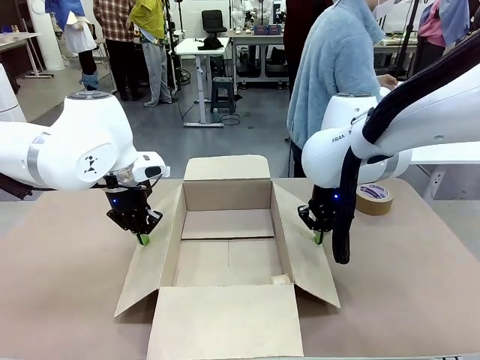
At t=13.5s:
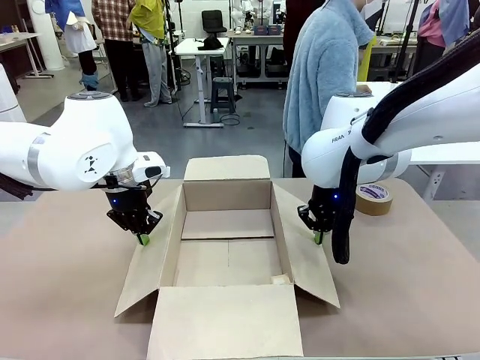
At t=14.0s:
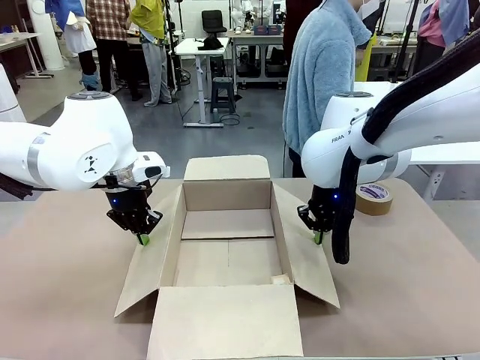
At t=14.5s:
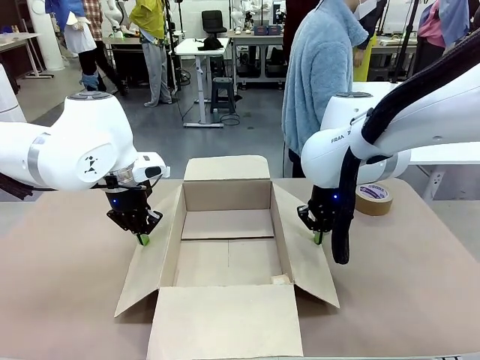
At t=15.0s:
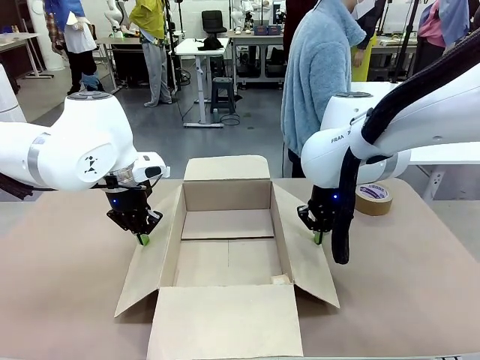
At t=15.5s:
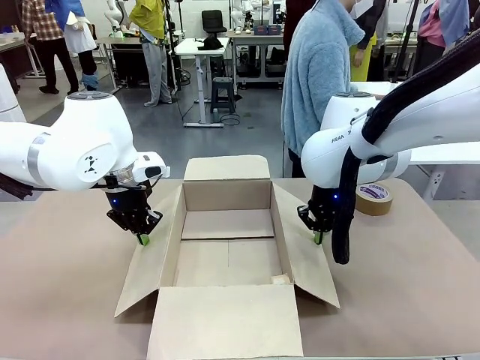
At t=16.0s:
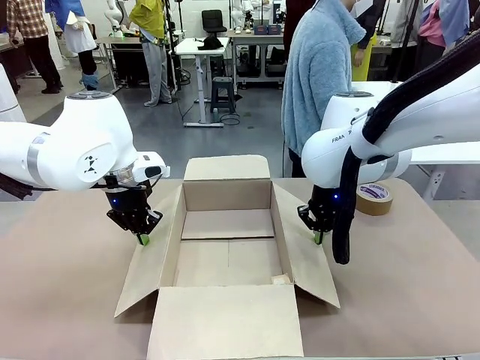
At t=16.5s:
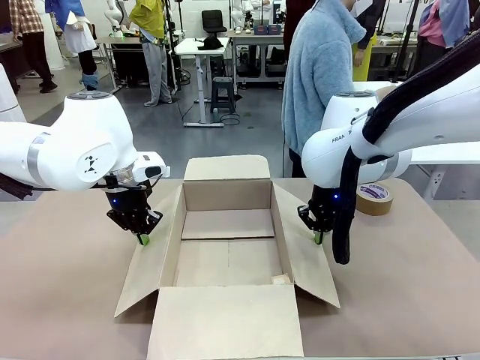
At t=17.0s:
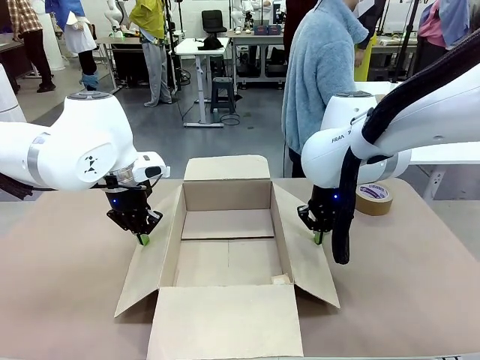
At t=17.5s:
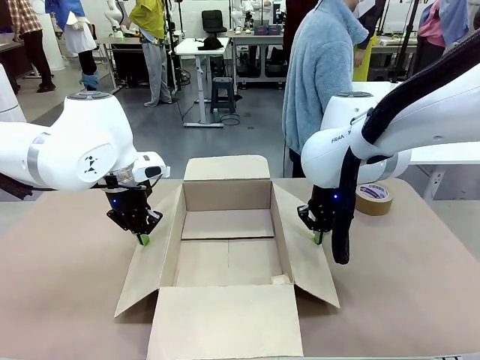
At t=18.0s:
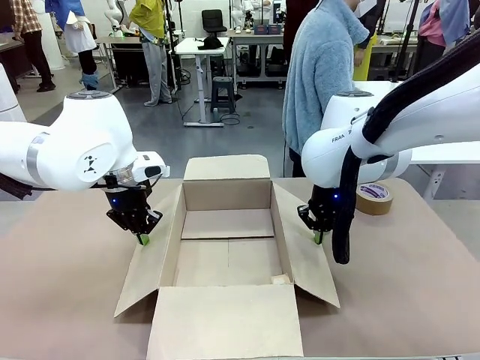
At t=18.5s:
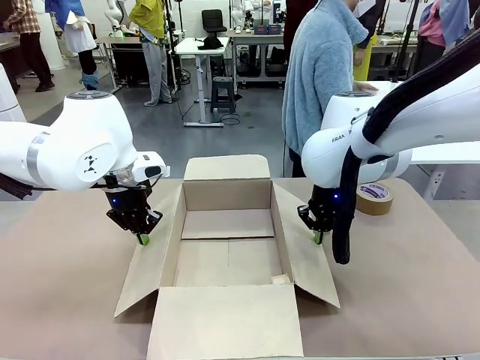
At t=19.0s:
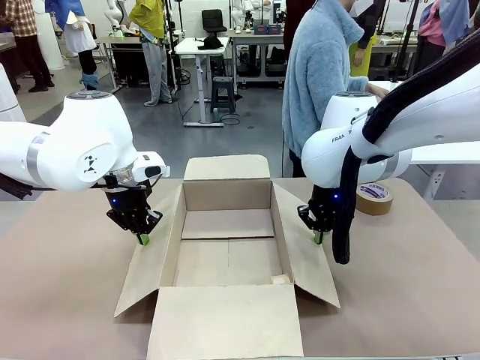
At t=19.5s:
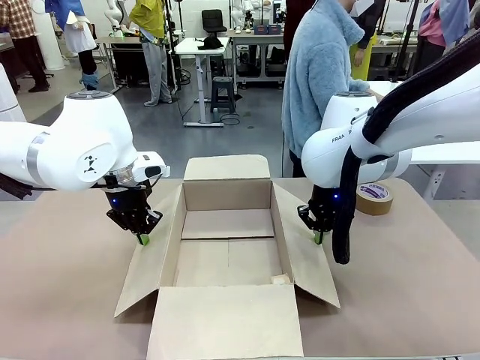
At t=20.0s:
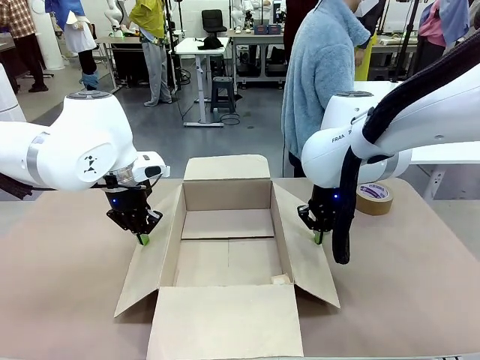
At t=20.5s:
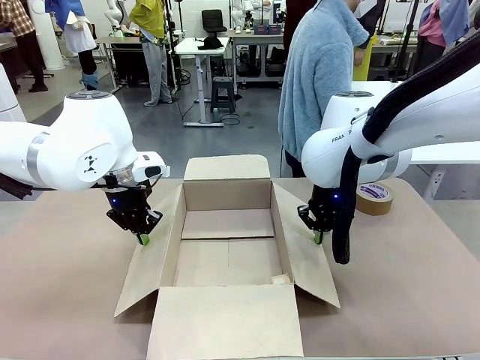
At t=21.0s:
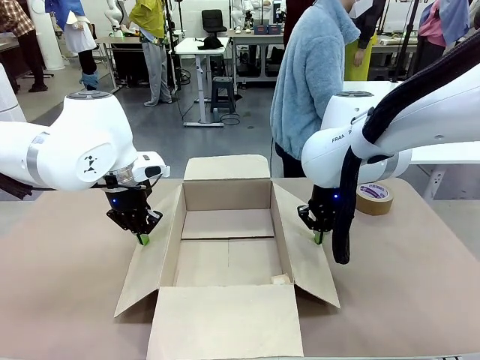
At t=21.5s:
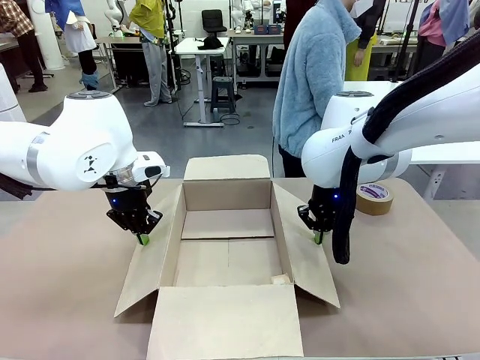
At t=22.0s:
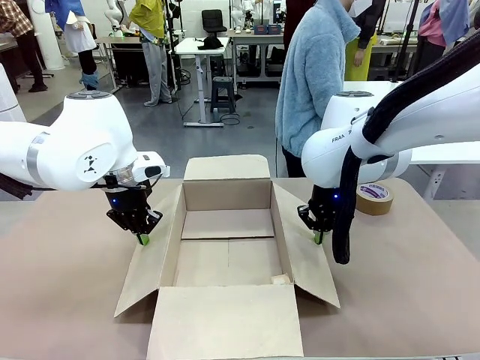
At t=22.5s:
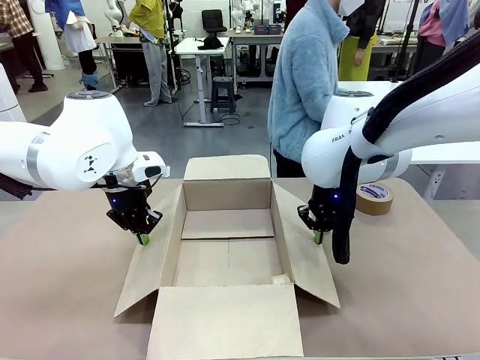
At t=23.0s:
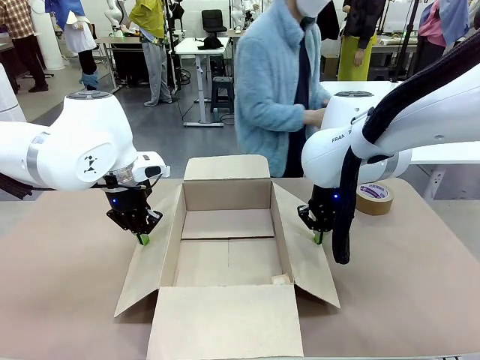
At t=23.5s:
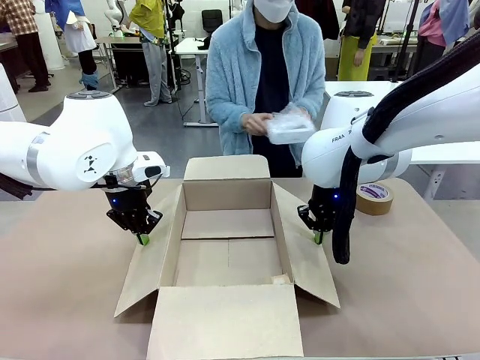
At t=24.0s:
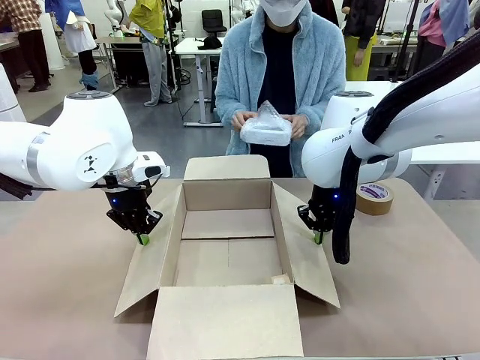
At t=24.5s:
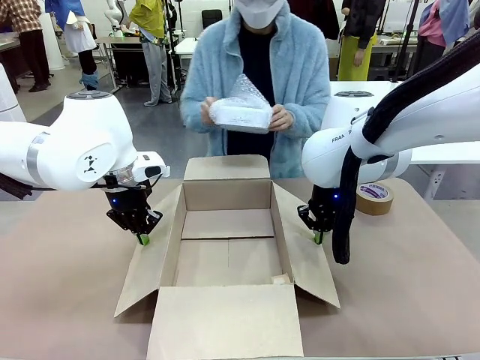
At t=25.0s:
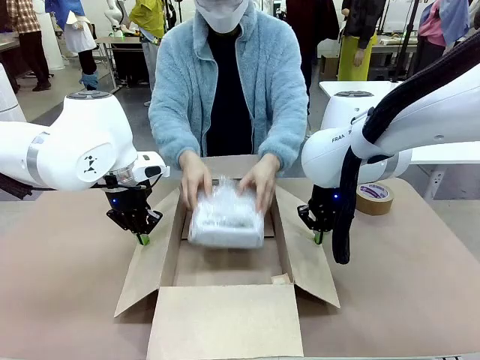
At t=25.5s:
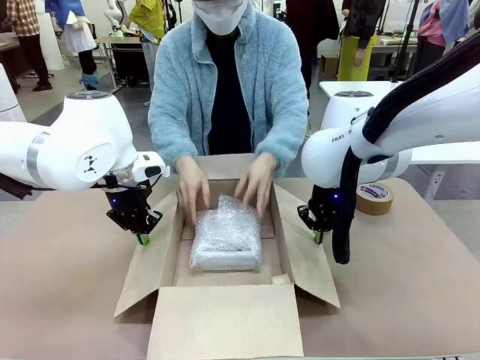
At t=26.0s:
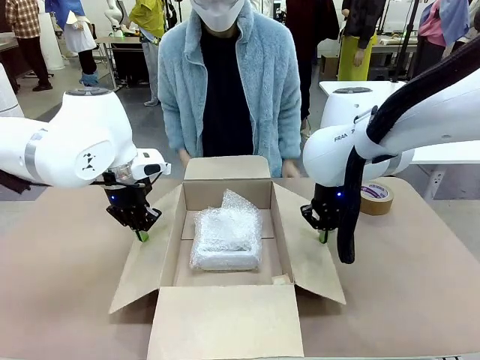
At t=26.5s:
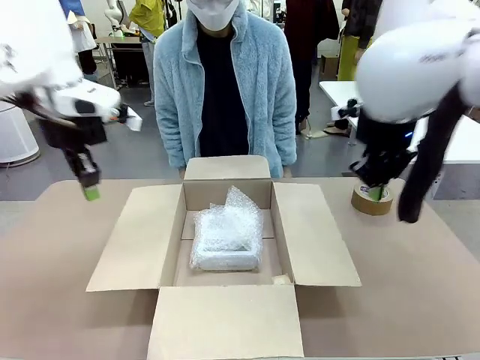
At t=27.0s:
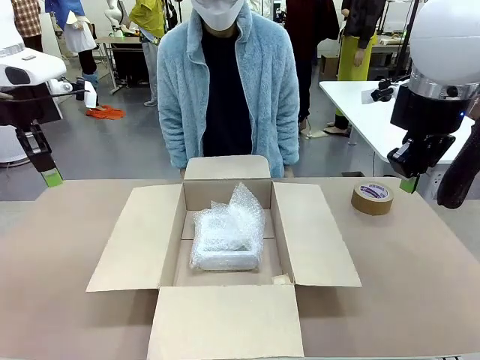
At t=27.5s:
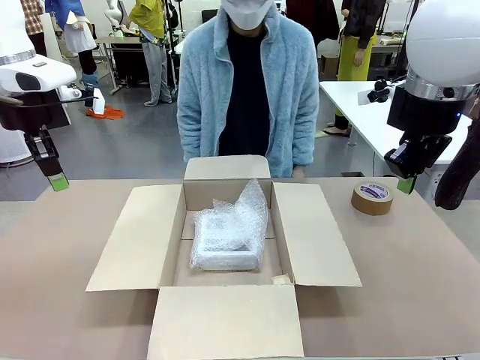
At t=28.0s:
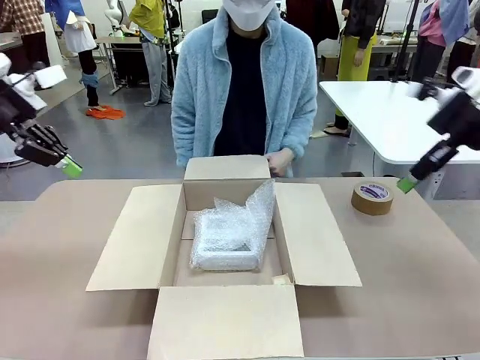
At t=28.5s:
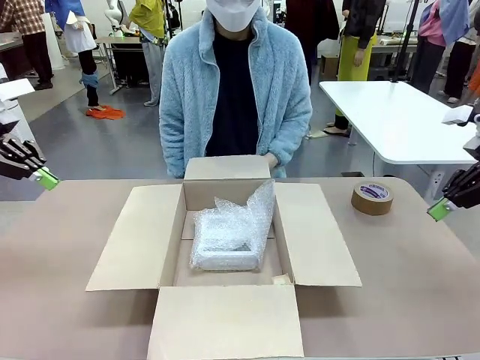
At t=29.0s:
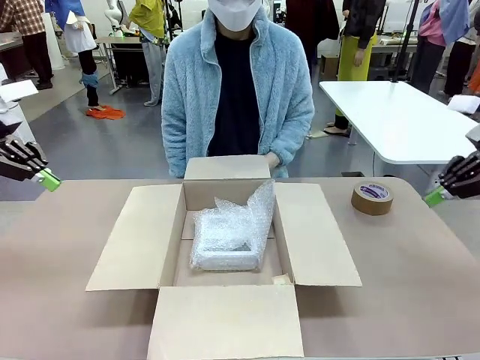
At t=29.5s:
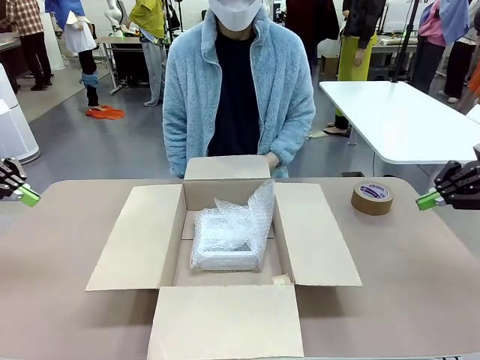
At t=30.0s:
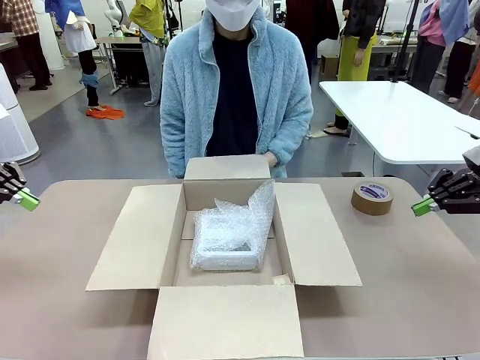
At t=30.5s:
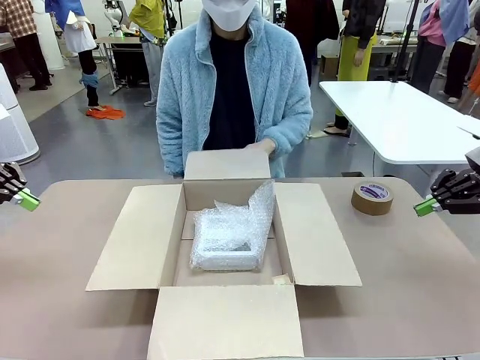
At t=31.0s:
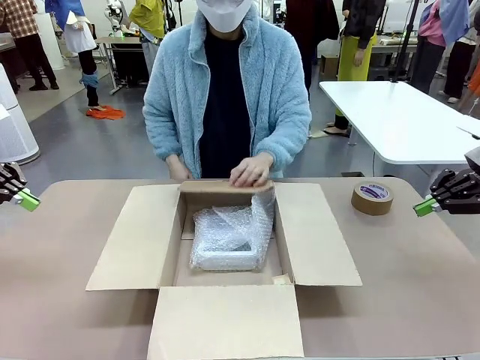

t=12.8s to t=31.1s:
Task: Wrap the clocks to prevent damage.
Robot: Once the human has placed the objects inside and stepped back, release both hands from the side flaps of the Package Box.
Person: Place the wrapped Digital clocks inside the Package Box. Hold the top and bottom flaps of the Package Box closed with your left (or right) hand.

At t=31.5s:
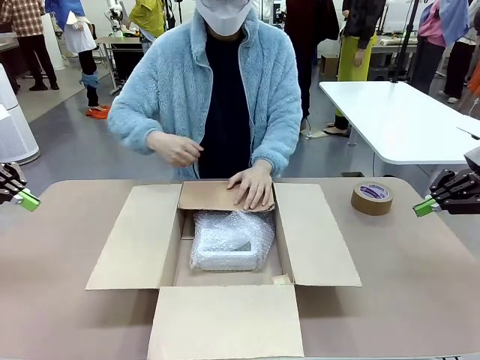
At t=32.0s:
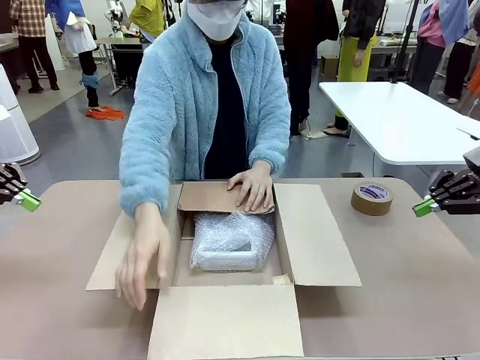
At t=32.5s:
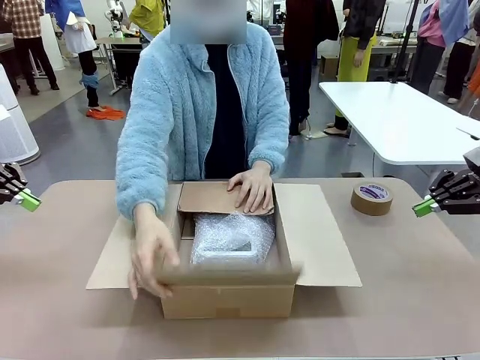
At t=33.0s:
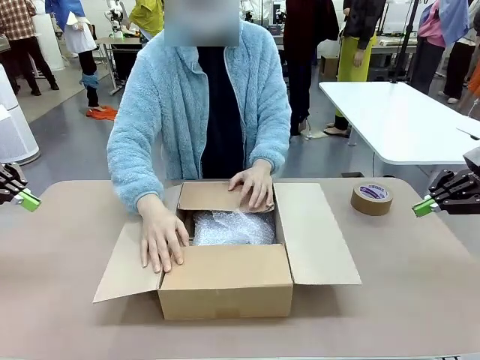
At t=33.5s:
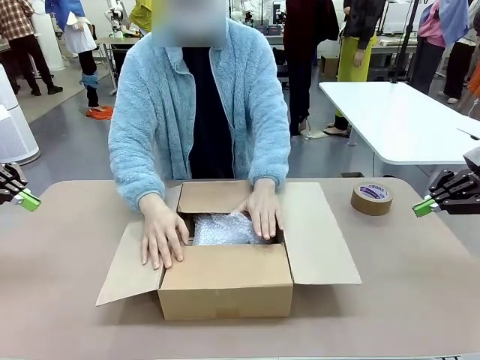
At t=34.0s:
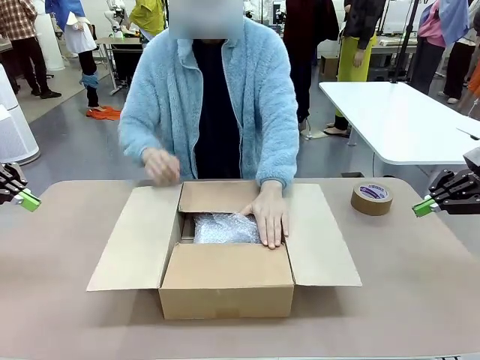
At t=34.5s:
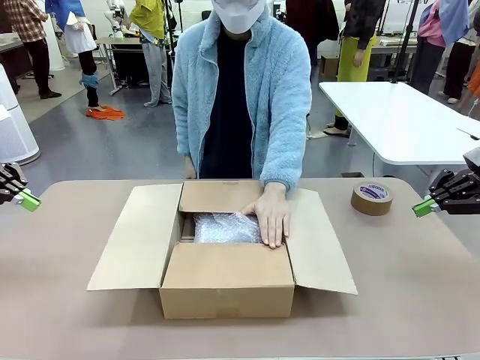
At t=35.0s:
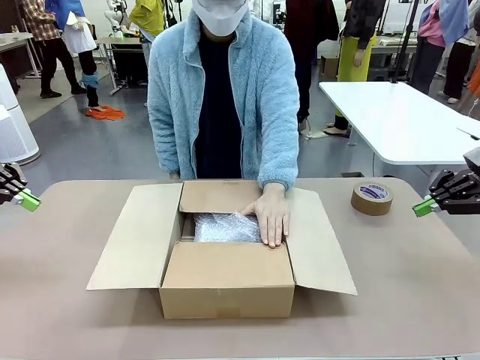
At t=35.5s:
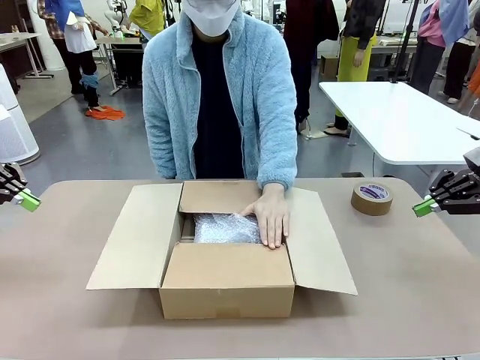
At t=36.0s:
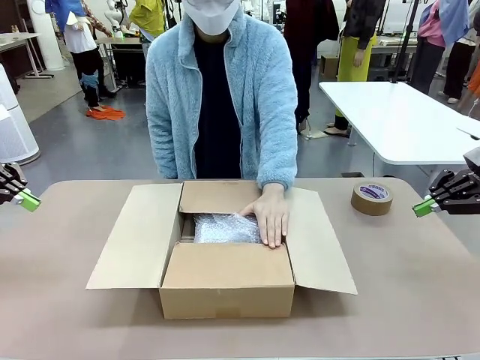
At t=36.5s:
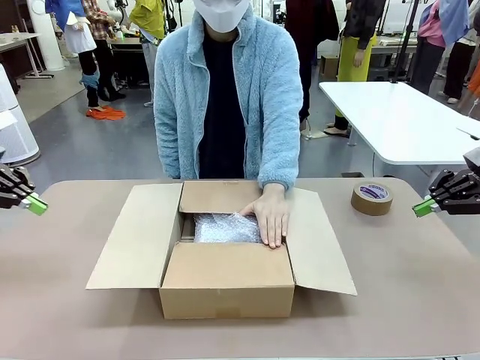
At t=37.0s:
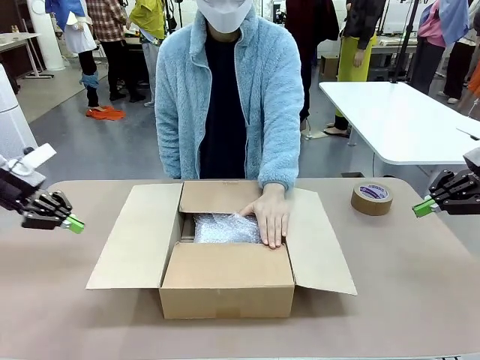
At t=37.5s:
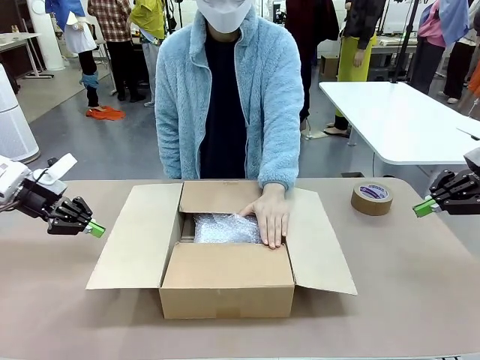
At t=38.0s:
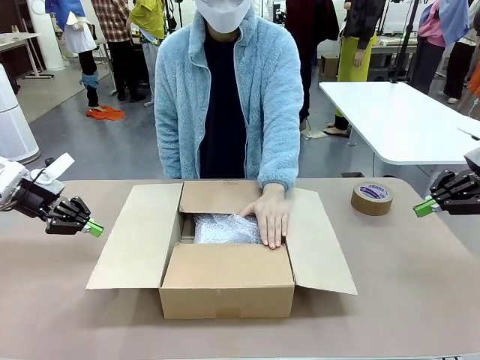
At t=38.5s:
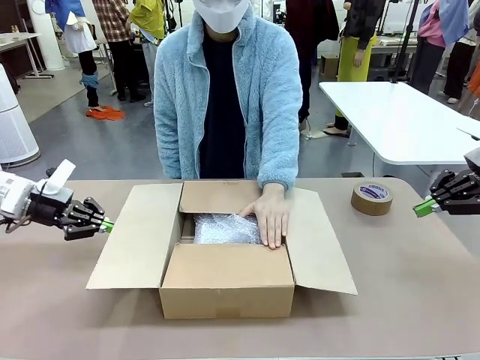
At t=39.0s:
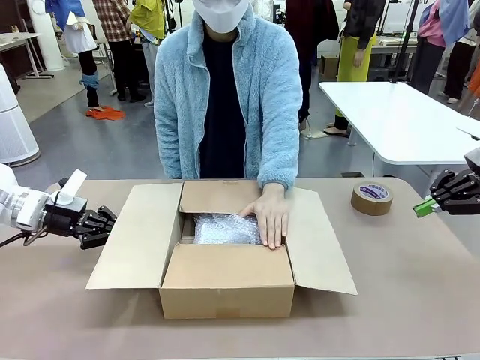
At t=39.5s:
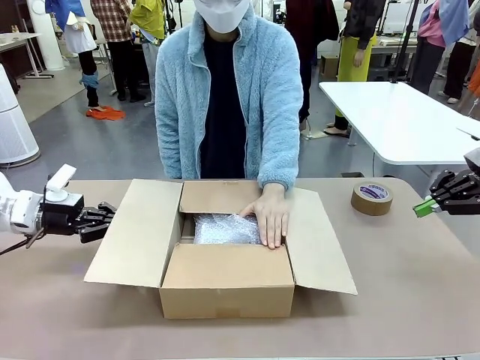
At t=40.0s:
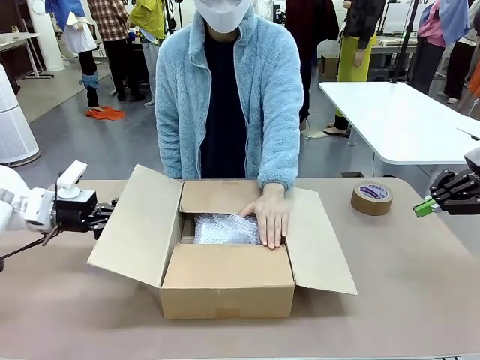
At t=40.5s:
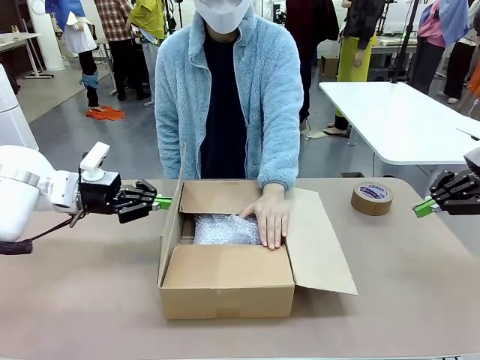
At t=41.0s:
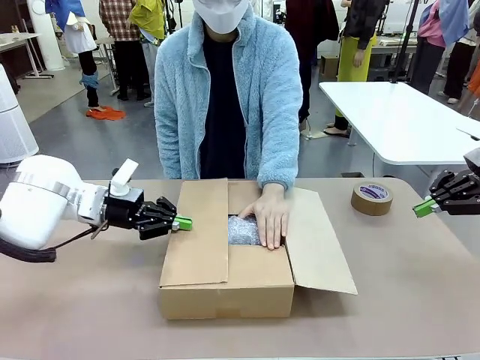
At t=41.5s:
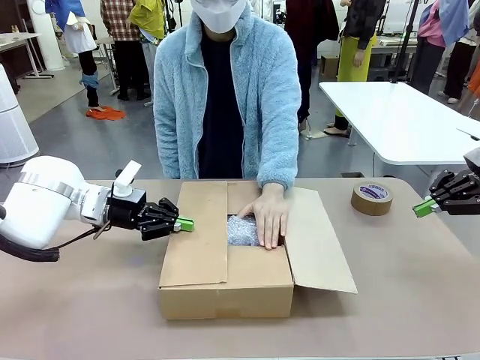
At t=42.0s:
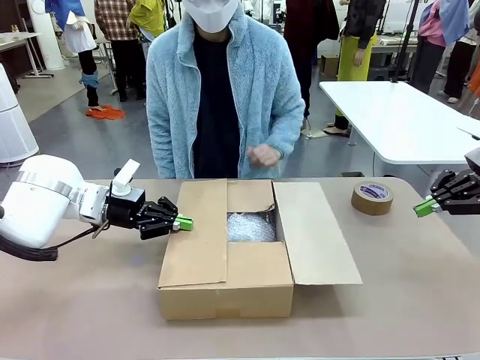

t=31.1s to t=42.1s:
Robot: Push the right (or left) flap of the Package Box to close it.
Person: Once the robot closes the right flap of the Package Box , release your left hand from the box.
